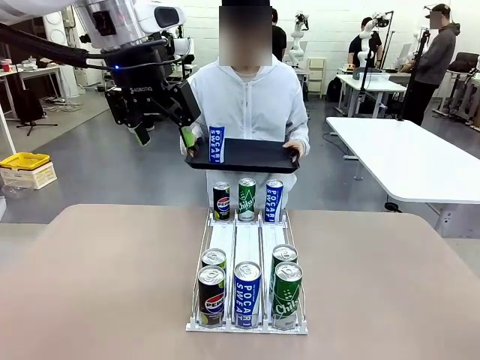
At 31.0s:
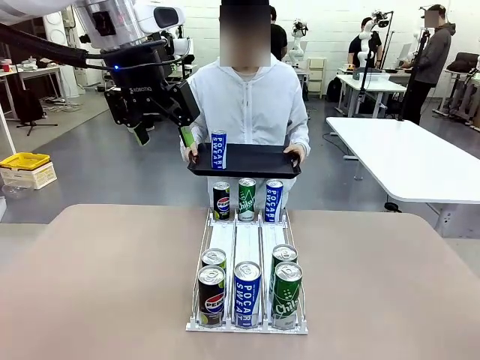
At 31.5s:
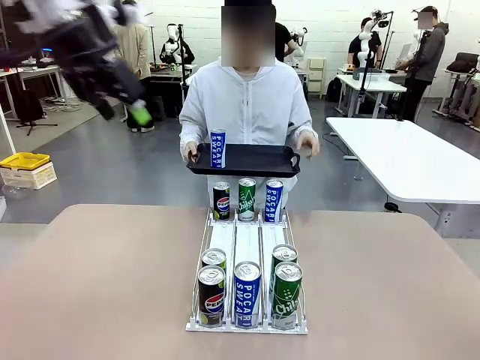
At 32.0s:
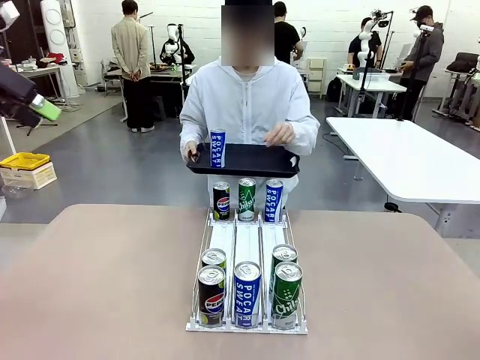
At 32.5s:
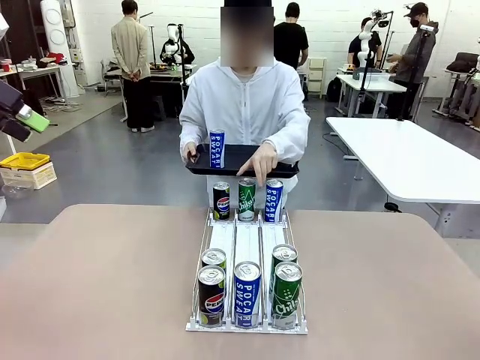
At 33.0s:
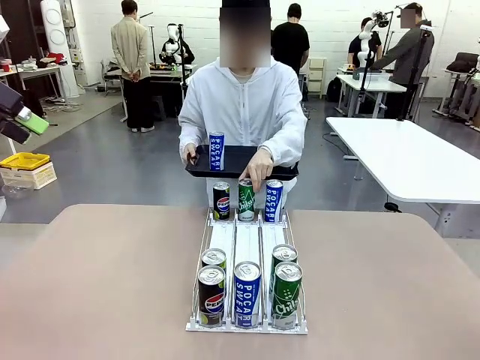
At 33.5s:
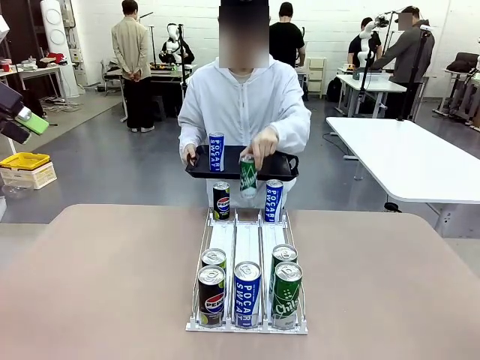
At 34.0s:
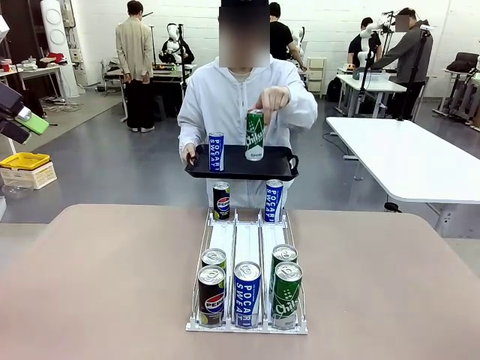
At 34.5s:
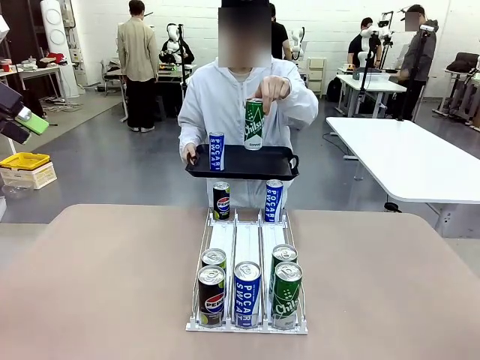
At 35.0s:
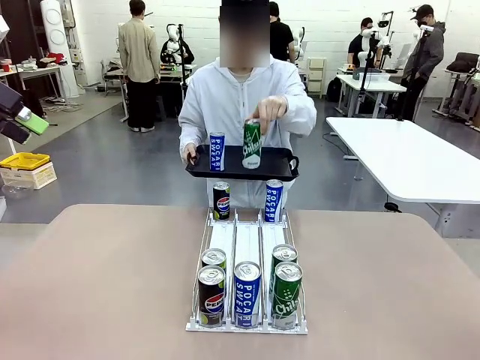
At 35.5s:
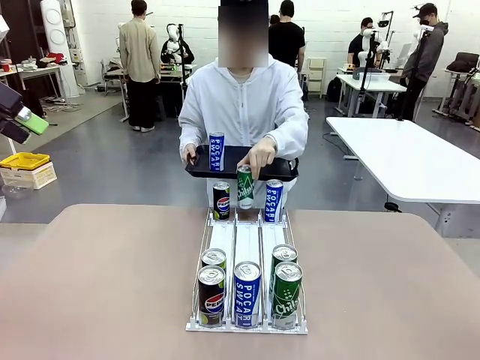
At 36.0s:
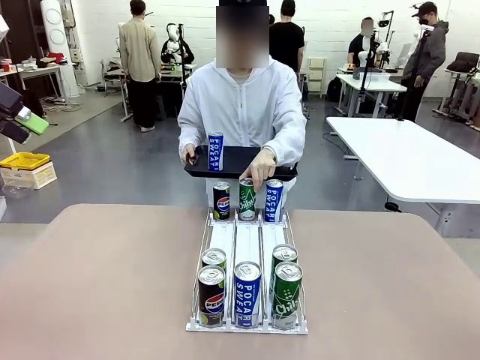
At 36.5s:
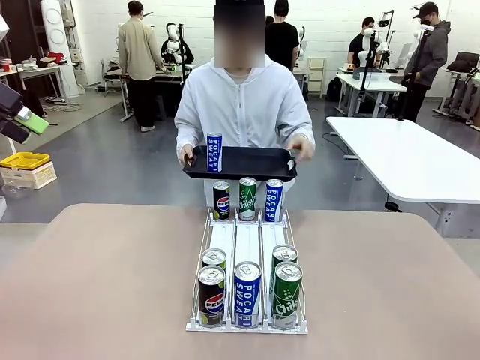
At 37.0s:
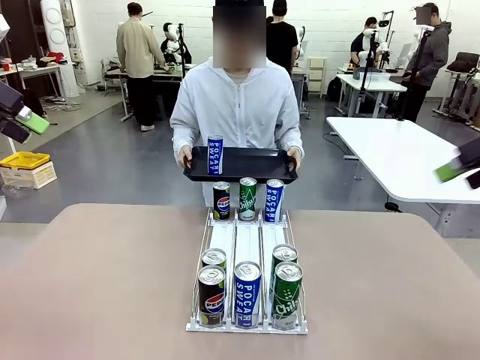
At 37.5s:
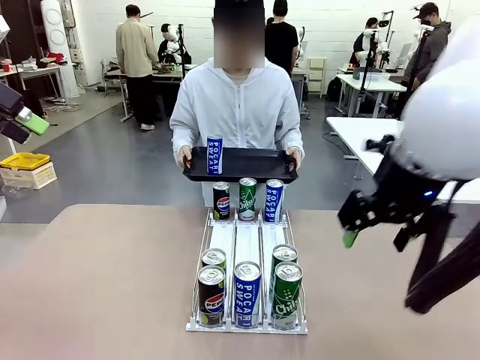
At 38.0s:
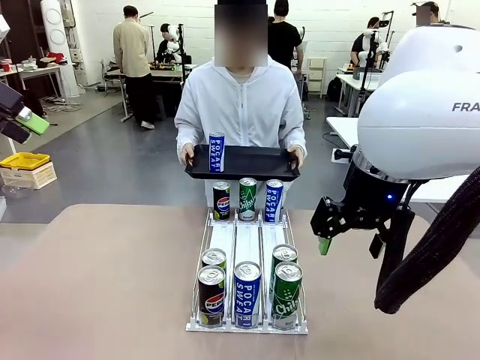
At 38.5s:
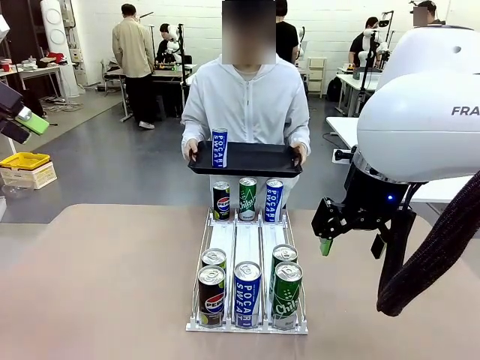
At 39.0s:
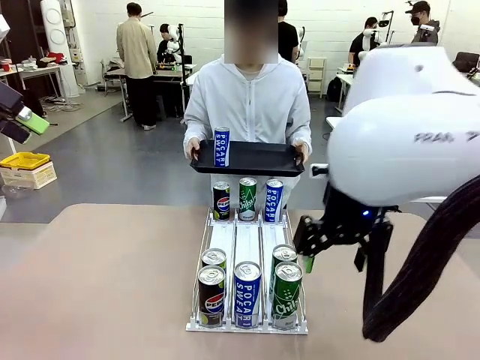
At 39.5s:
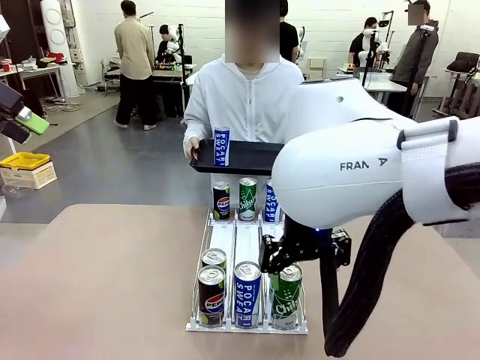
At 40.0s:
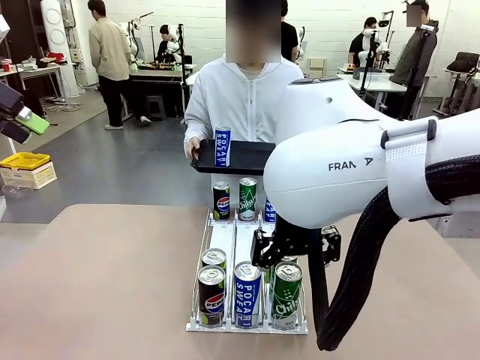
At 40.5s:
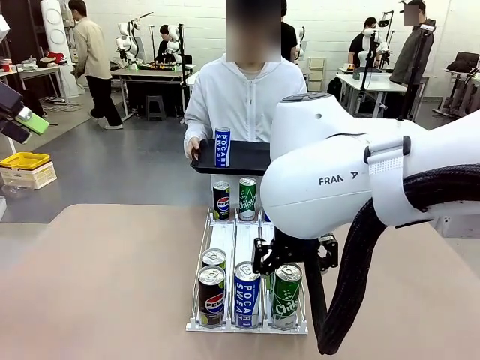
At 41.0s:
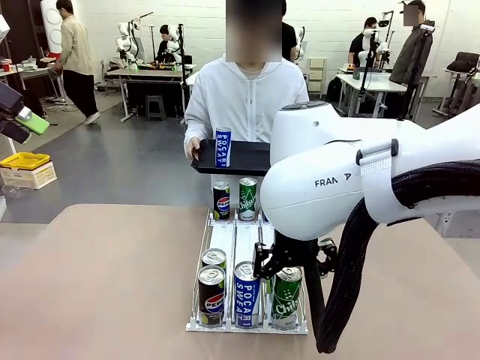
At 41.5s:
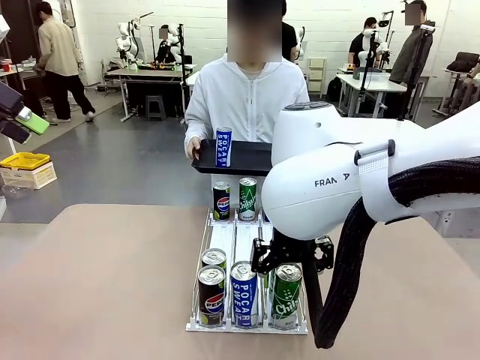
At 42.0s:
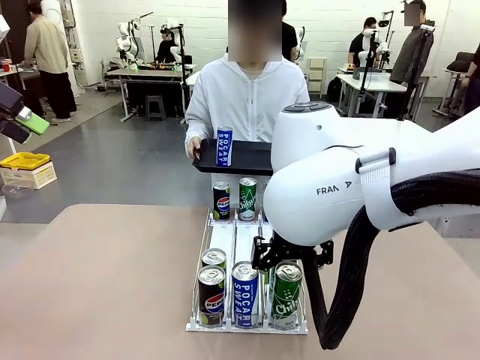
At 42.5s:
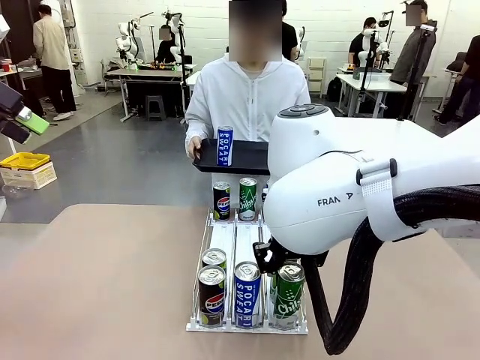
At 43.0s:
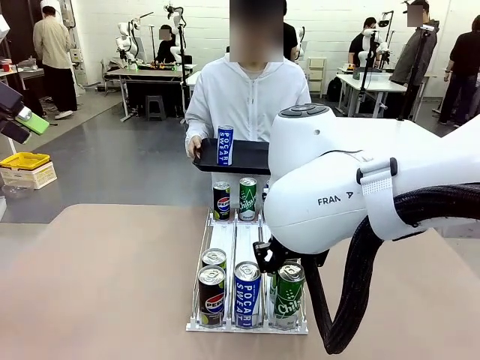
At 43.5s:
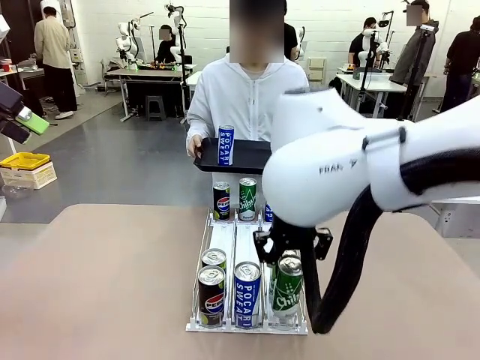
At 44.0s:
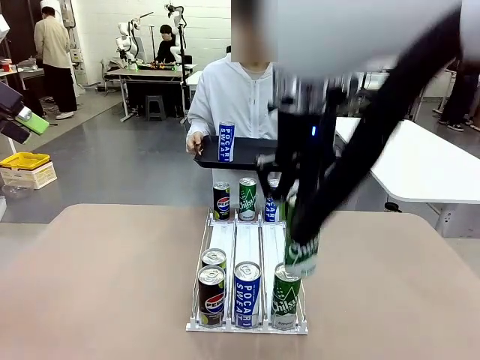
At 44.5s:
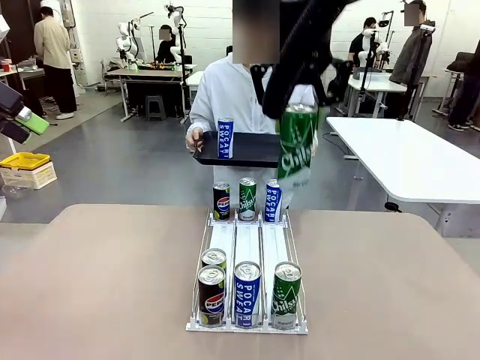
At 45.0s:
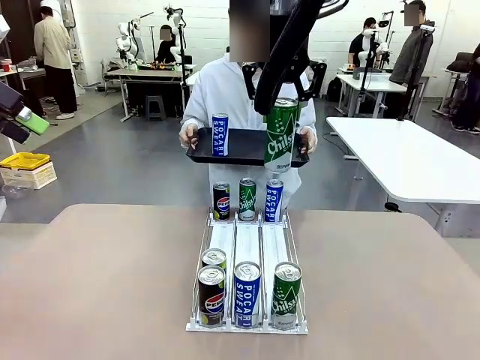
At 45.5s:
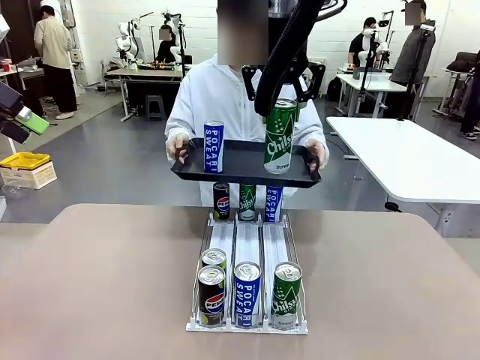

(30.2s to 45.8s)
Task: Retrieve and hand over the desired beverage to the person.
Robot: Pick up another can of the same type that the person held from the Automatic Can Dispenser.
Person: Pull the tray back, then pick up another can from the bottom area of the table and puts it back in its original place. Push the tray toward the robot again.

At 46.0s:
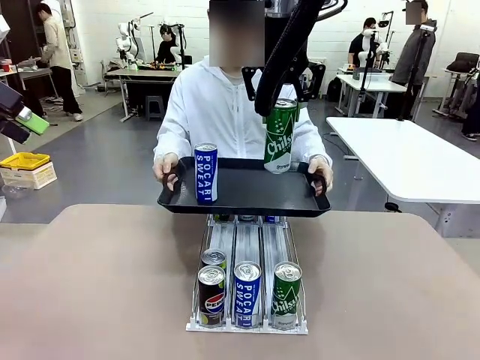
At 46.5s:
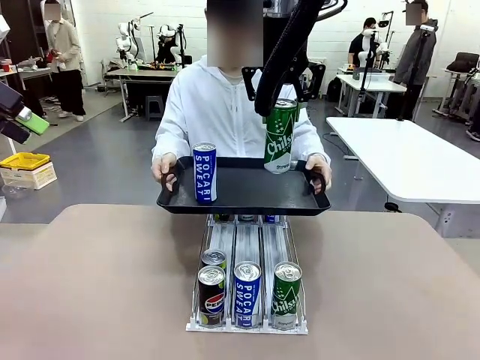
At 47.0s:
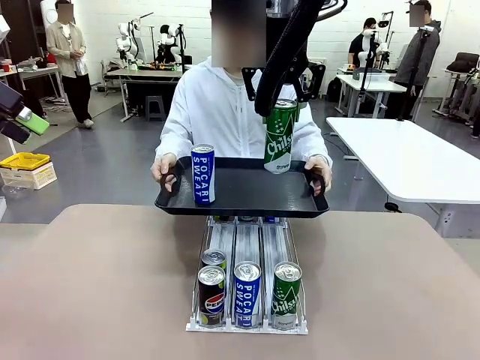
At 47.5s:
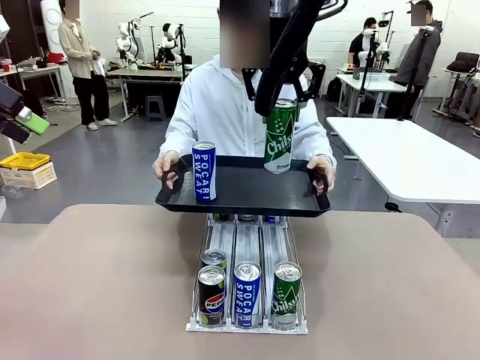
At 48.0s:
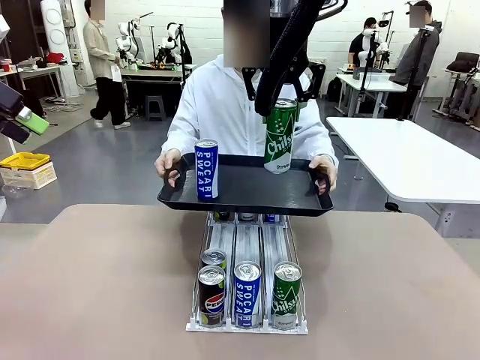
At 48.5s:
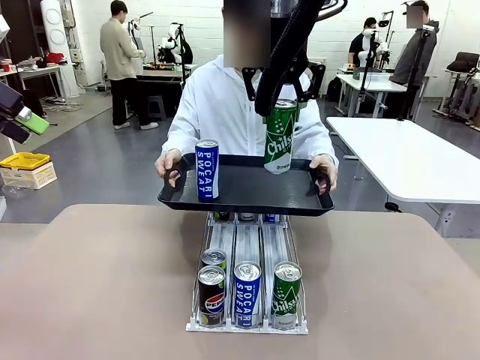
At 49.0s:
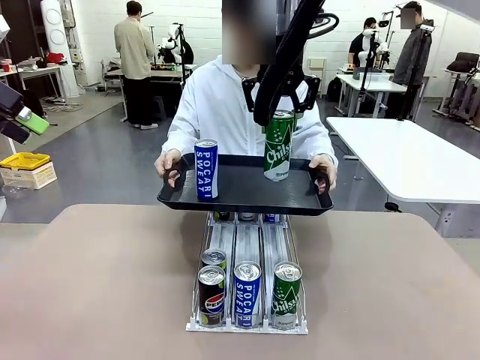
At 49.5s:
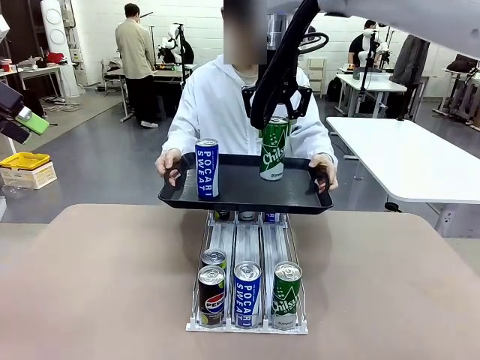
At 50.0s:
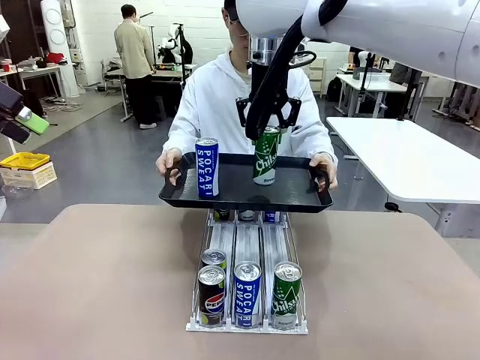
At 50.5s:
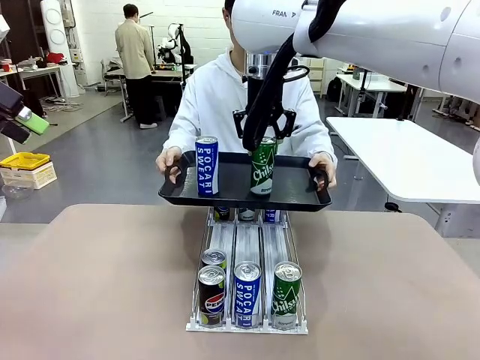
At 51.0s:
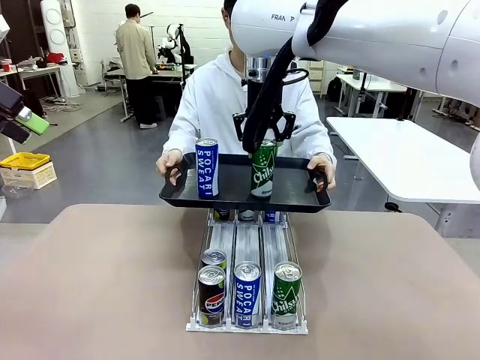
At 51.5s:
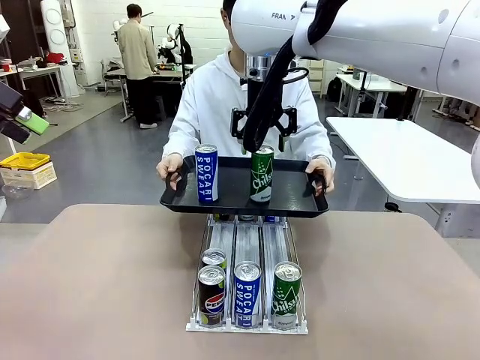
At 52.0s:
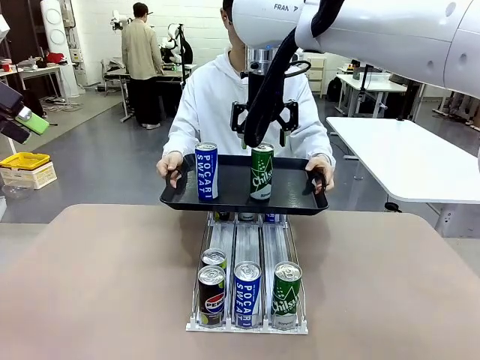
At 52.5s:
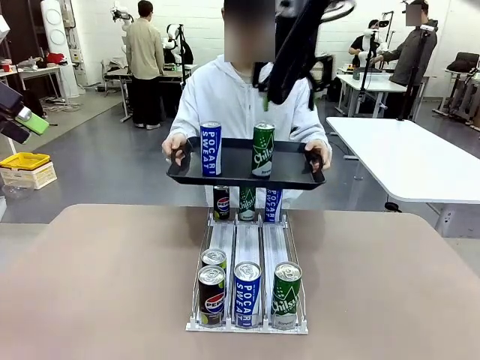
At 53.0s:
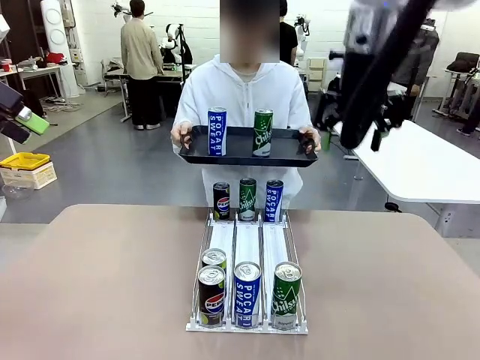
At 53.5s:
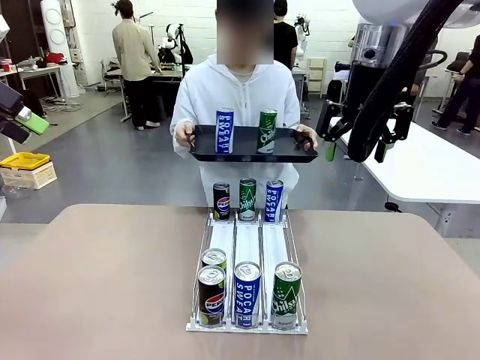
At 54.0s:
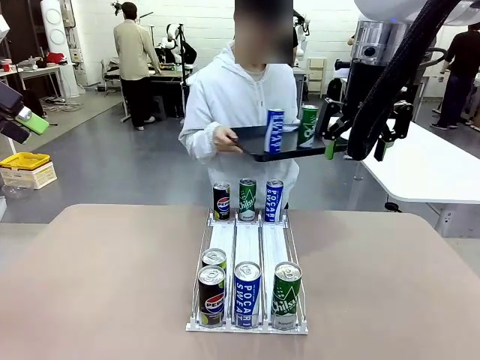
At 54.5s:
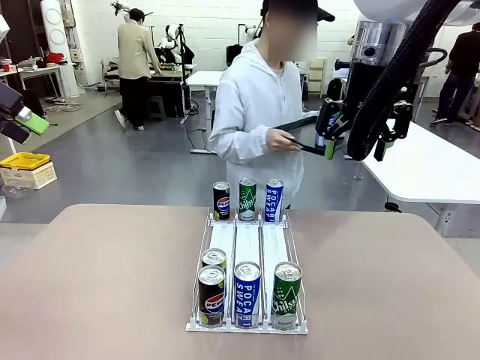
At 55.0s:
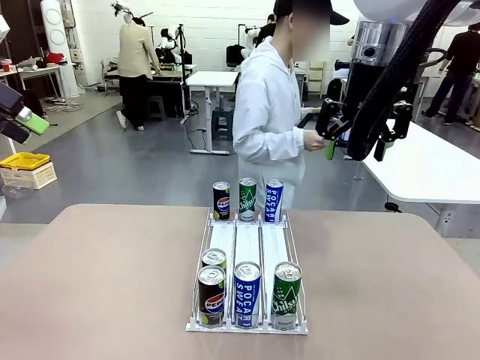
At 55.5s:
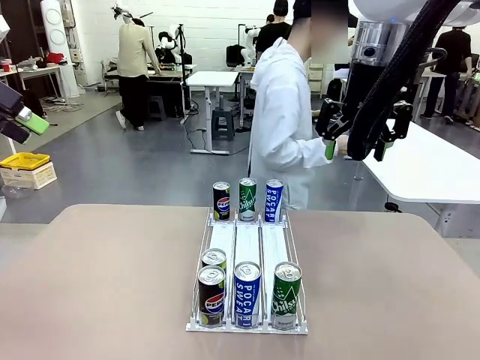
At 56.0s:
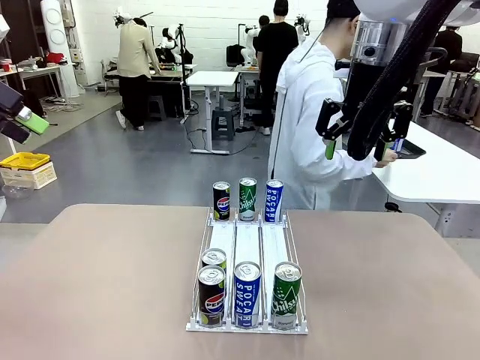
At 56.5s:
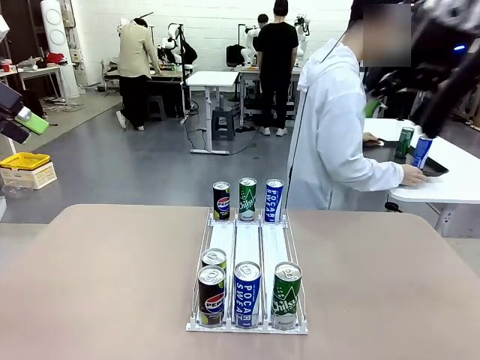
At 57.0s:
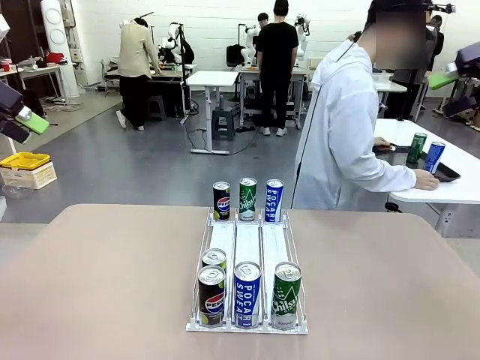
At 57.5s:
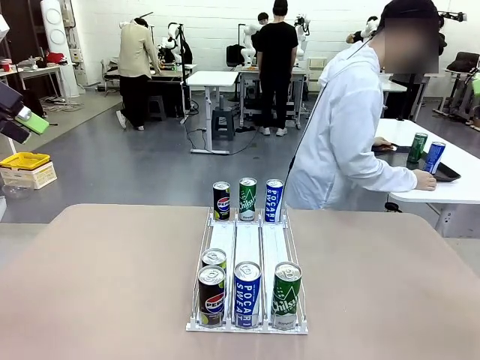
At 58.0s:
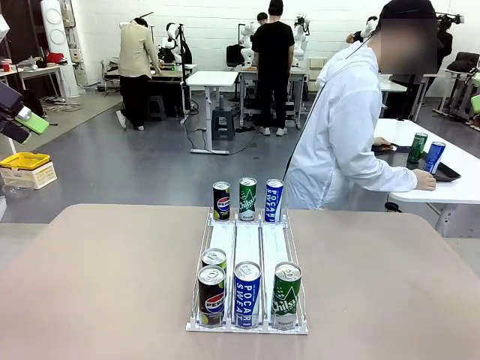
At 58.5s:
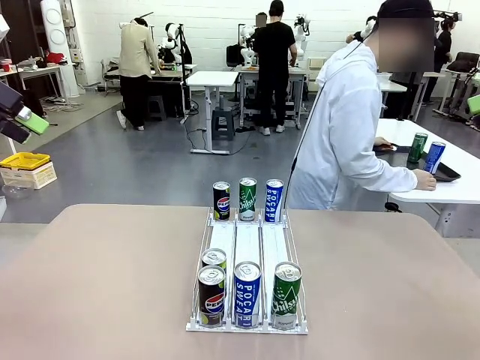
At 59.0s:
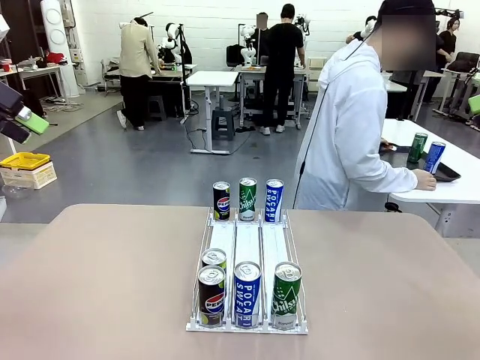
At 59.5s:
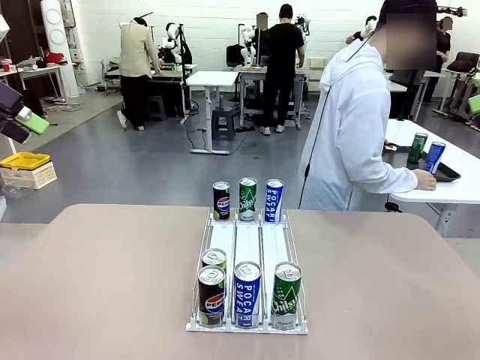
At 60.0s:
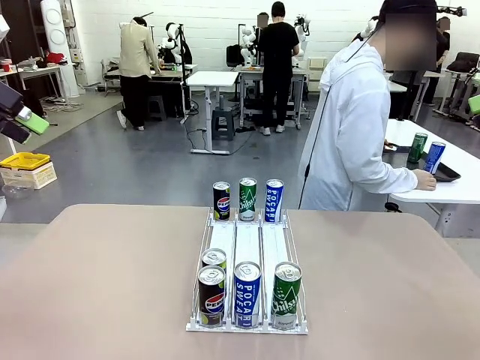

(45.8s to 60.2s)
Robot: Place the picked can on the Handle tray extended by the person.
Person: Pull the tray back and place it at the center of the human table.
